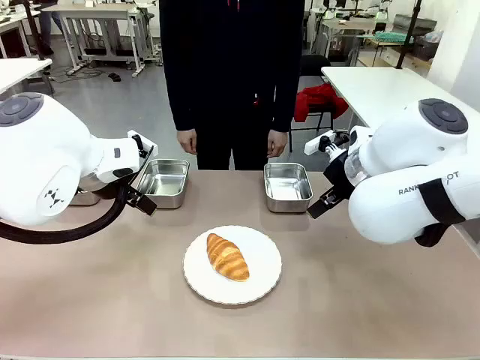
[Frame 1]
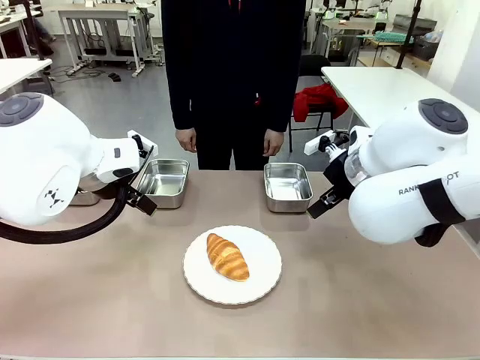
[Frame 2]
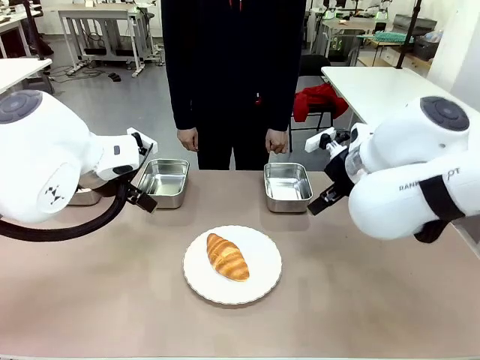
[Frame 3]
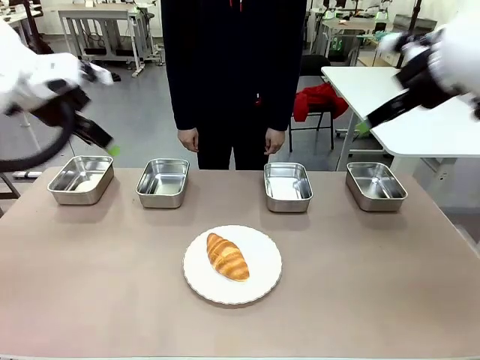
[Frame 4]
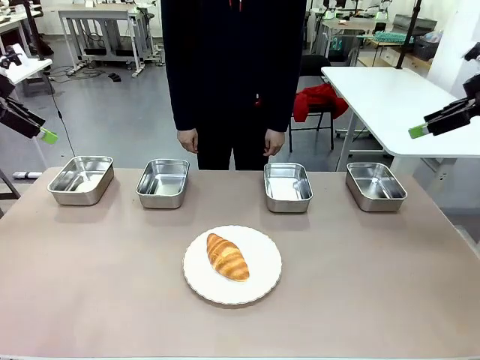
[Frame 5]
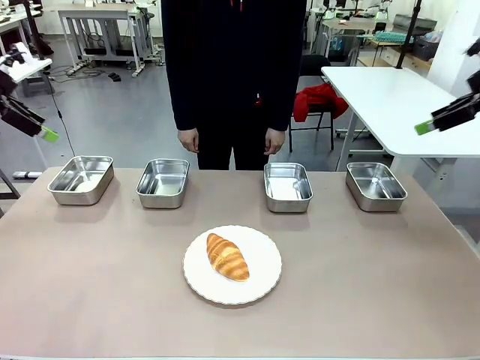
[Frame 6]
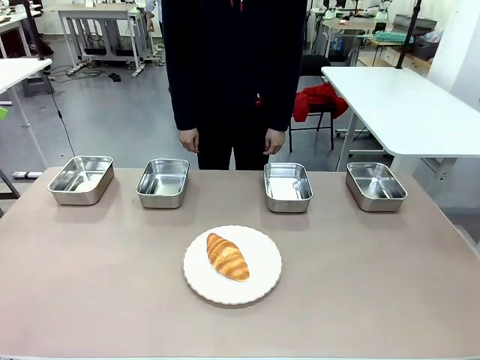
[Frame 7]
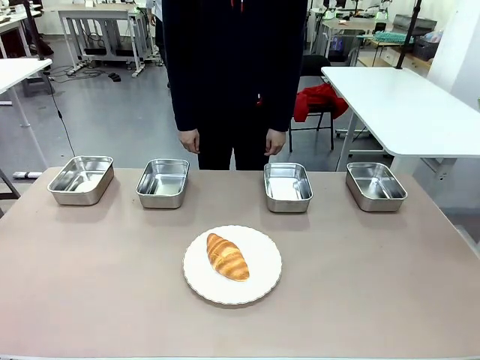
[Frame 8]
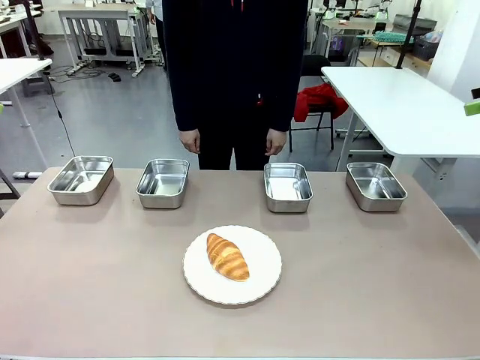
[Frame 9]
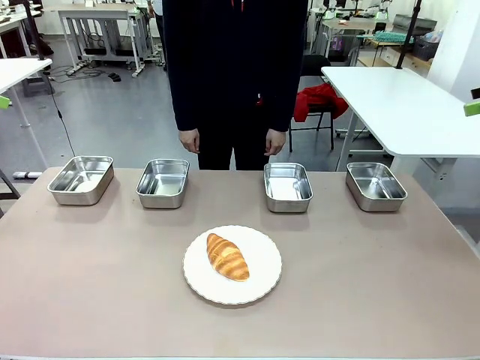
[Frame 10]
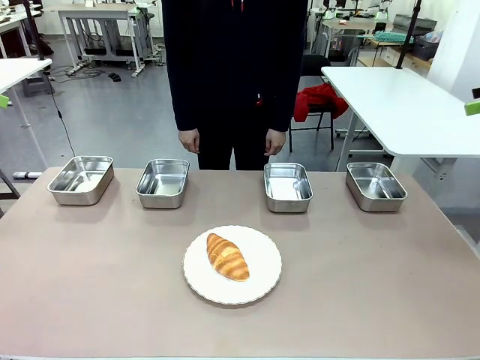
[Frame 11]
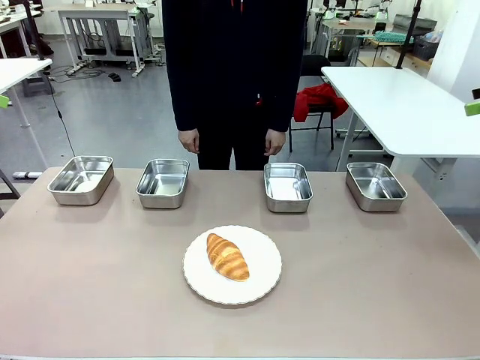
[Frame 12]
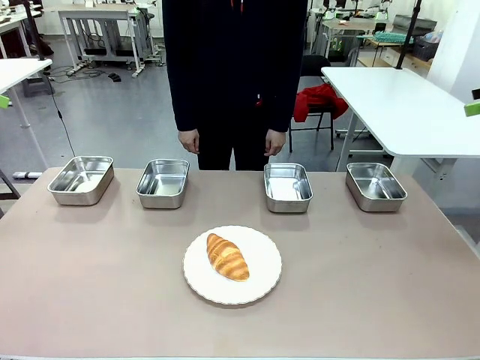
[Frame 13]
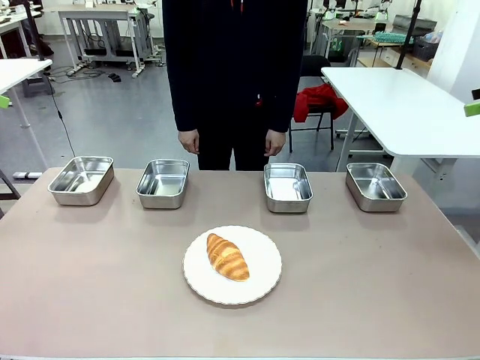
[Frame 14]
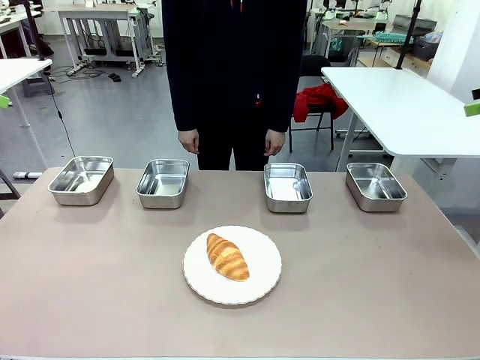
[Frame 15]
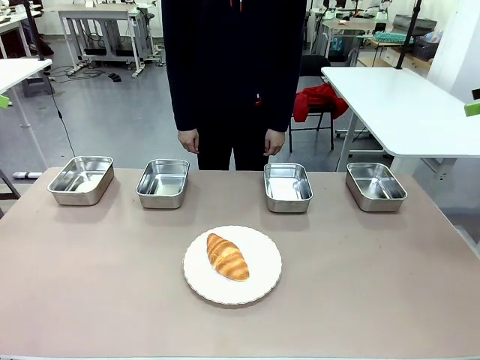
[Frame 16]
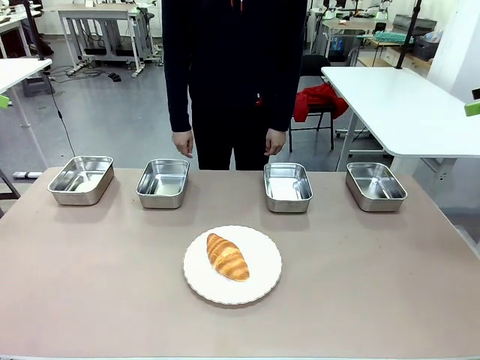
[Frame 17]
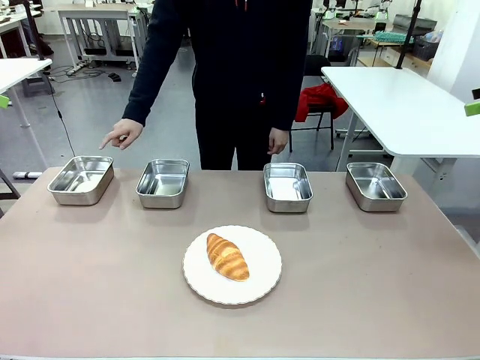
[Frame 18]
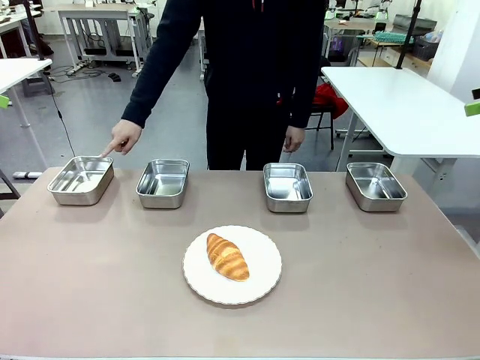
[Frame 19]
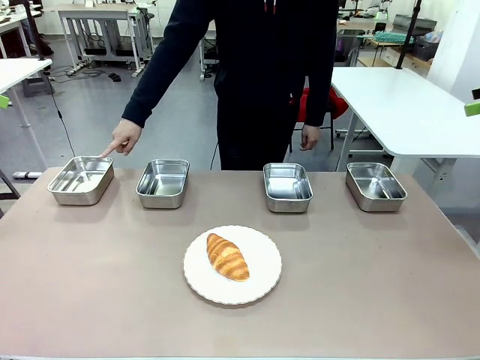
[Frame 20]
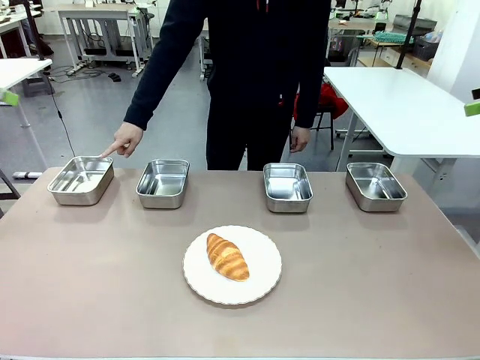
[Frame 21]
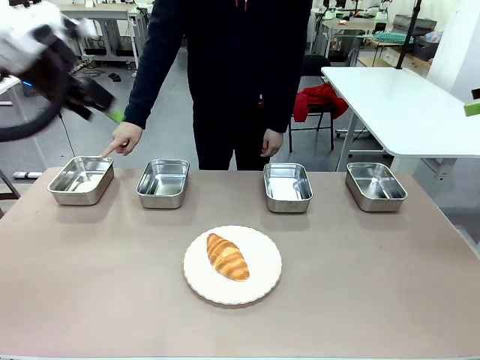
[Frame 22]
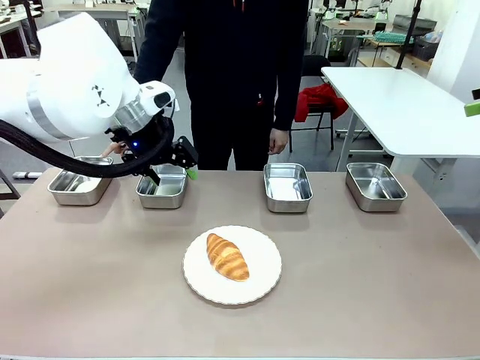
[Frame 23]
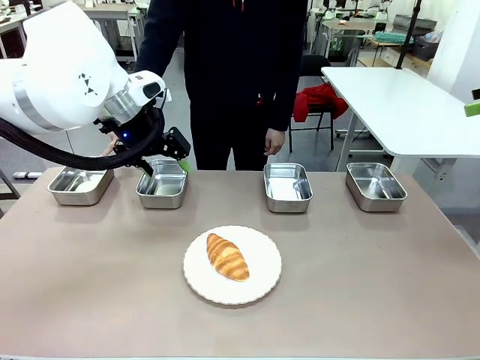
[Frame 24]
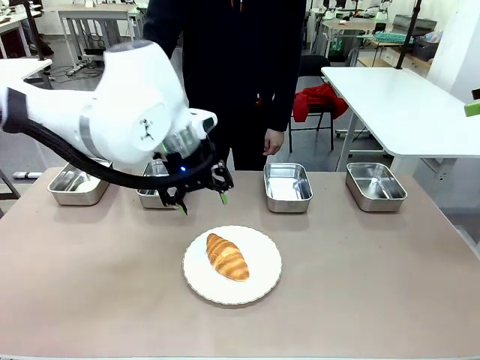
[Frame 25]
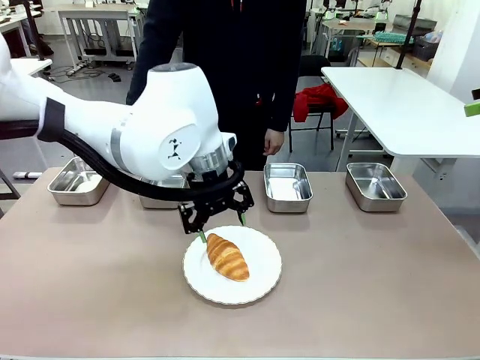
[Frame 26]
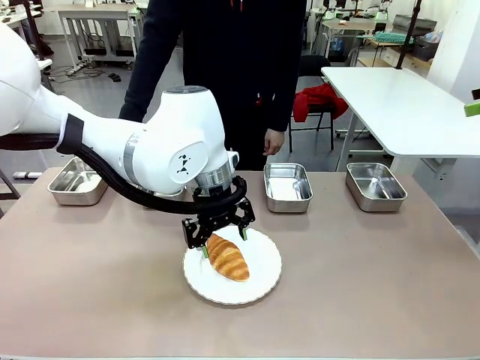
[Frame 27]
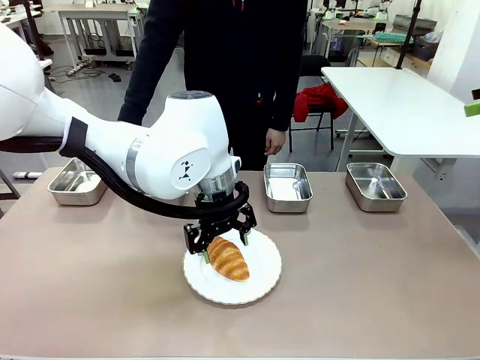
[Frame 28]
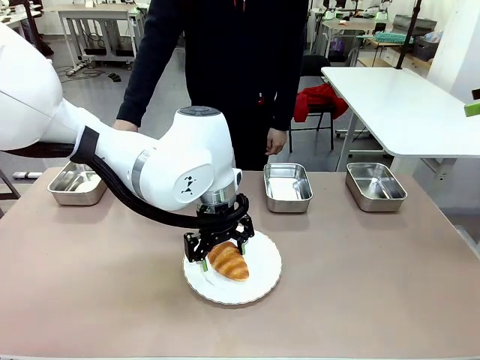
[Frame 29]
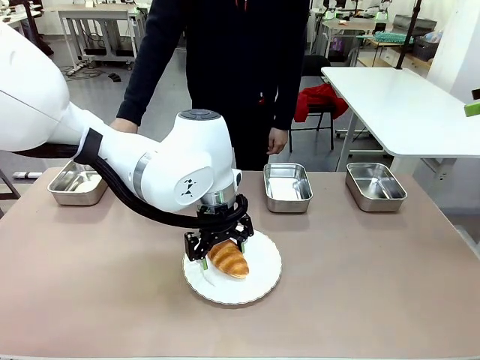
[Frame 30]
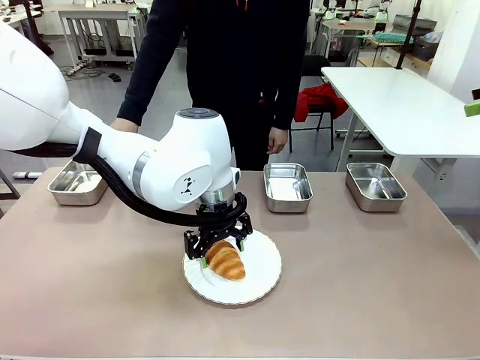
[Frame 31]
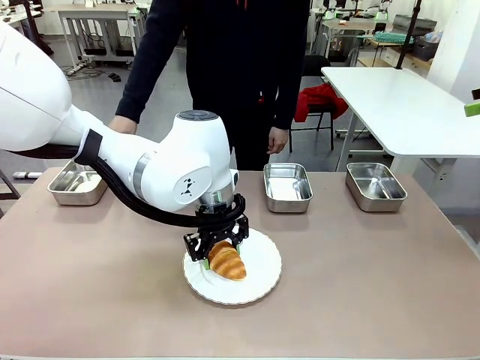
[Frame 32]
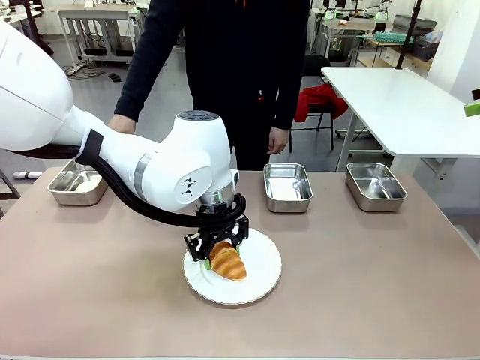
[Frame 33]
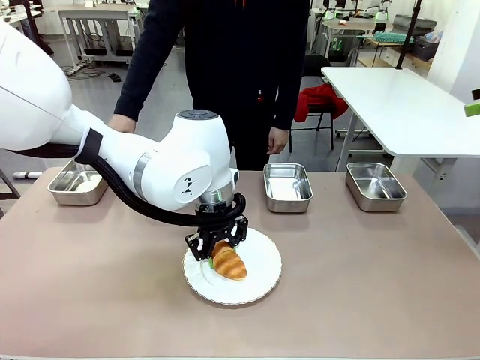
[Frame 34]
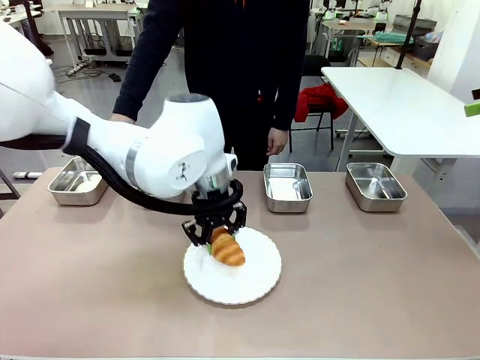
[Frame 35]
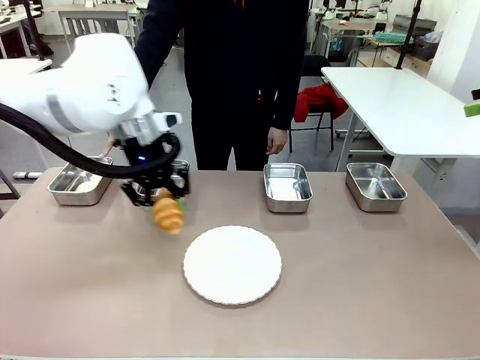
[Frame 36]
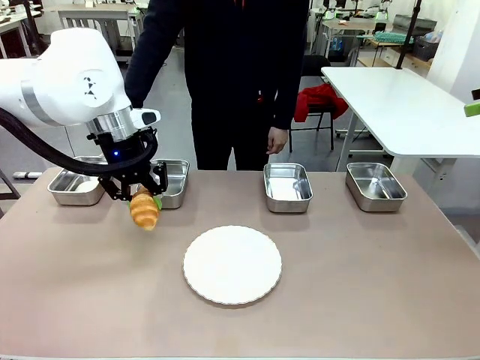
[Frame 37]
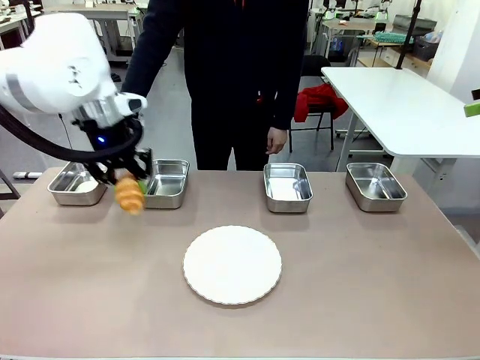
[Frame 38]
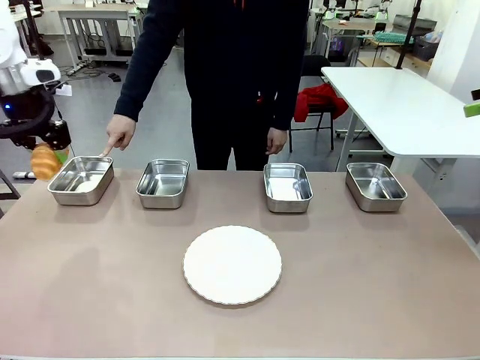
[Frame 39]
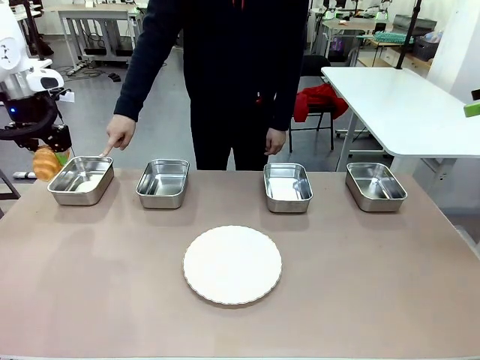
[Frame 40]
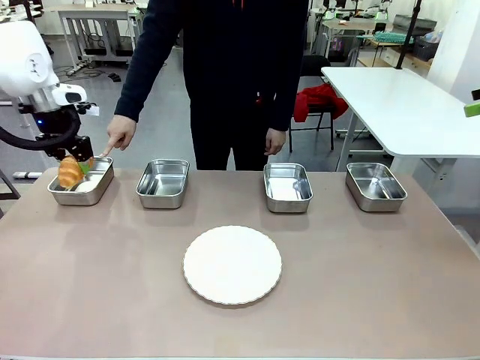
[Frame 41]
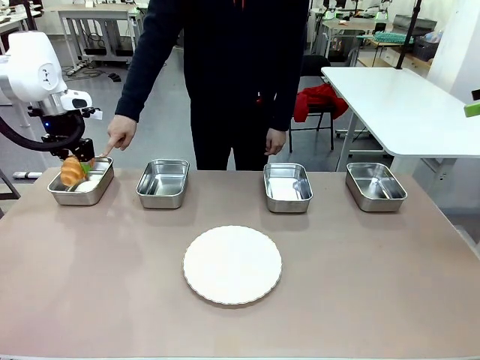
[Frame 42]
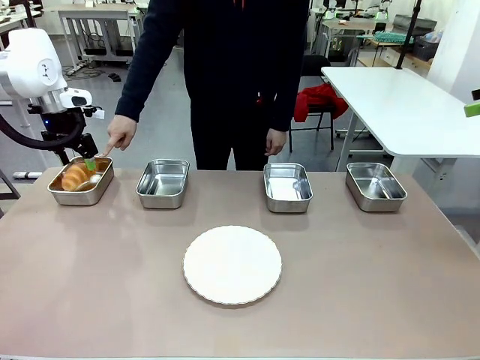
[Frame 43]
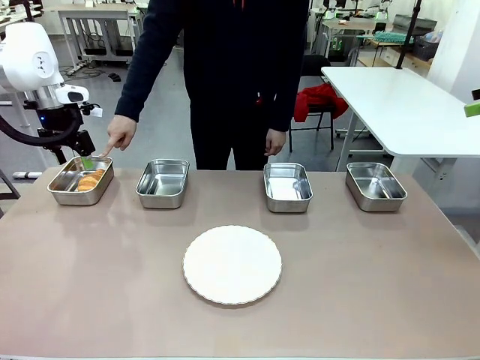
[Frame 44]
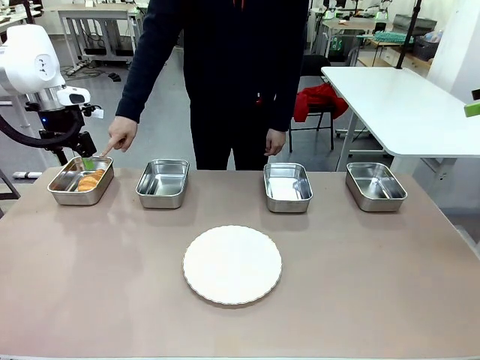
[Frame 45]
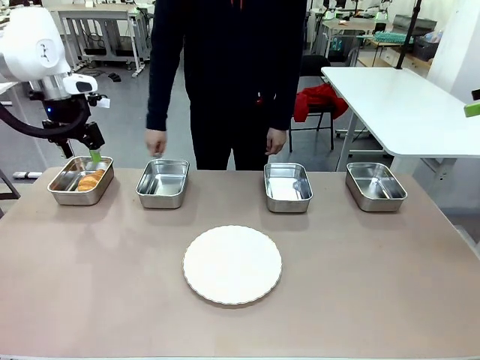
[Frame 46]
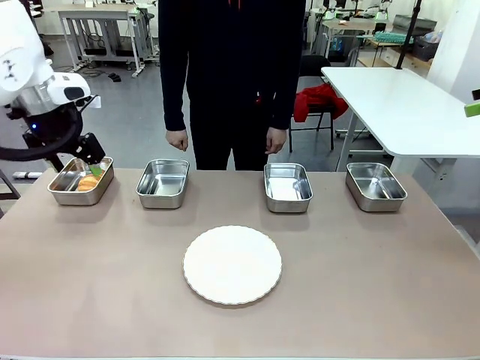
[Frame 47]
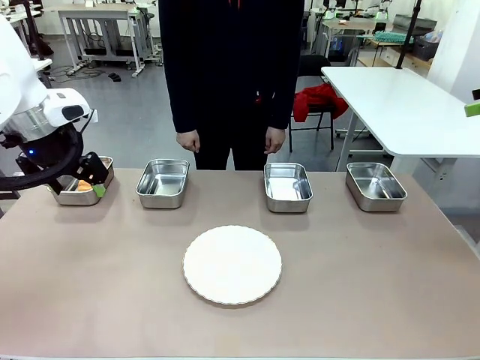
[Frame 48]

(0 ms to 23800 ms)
Task: Place the bread in the container.
Robot: Place the Butter Roll into the Airtight Container indicated by the human.
Person: A person randomly selects and points to an Airtight Container.
